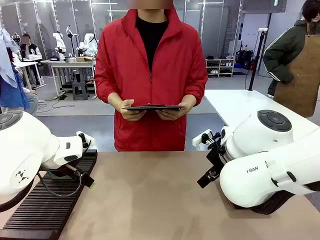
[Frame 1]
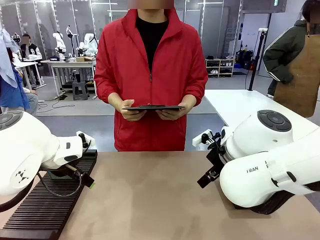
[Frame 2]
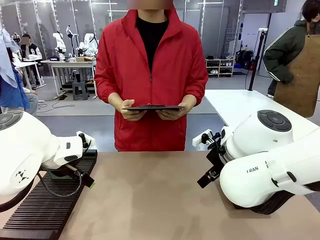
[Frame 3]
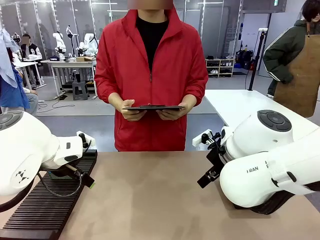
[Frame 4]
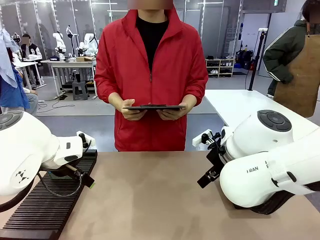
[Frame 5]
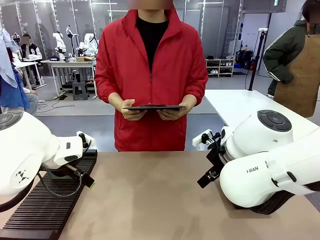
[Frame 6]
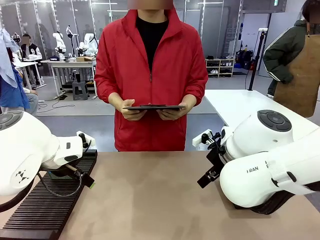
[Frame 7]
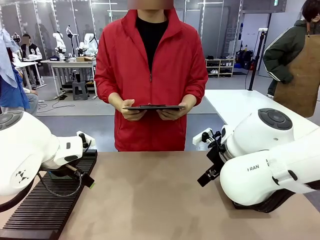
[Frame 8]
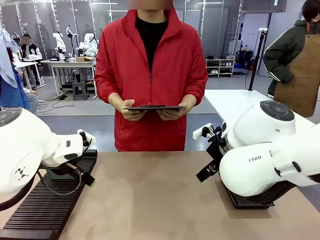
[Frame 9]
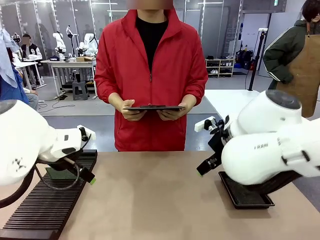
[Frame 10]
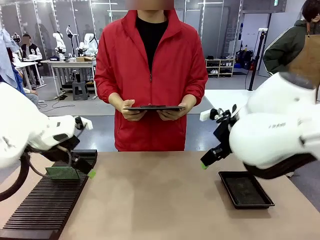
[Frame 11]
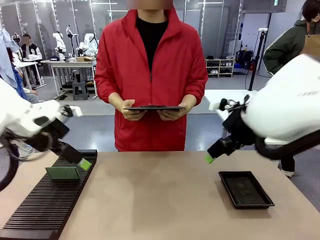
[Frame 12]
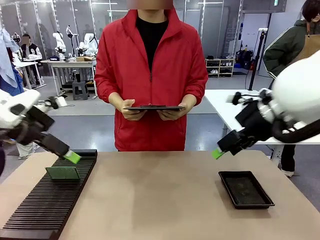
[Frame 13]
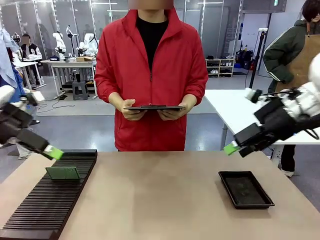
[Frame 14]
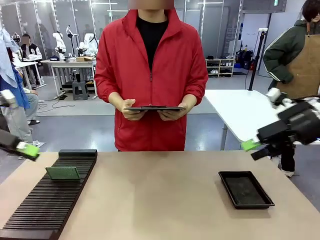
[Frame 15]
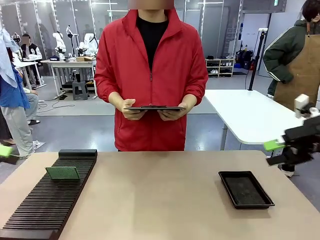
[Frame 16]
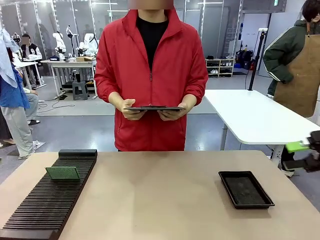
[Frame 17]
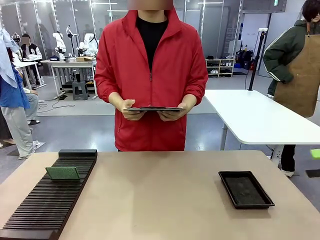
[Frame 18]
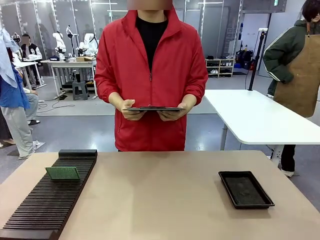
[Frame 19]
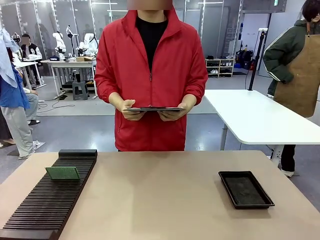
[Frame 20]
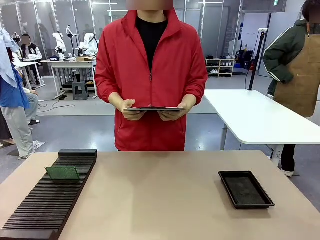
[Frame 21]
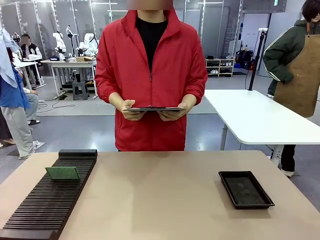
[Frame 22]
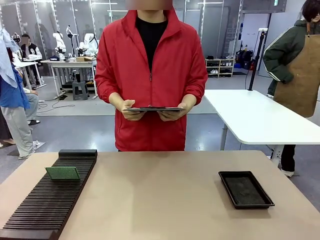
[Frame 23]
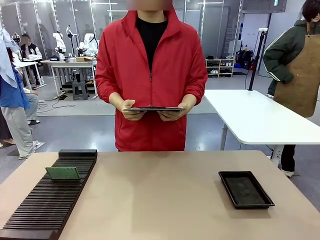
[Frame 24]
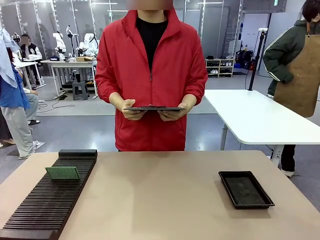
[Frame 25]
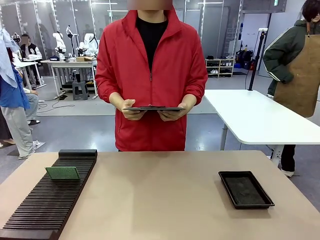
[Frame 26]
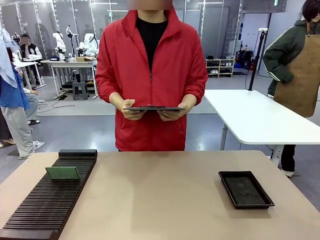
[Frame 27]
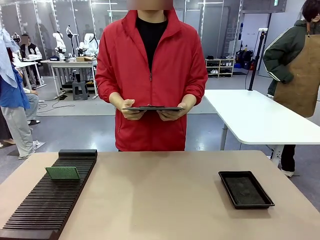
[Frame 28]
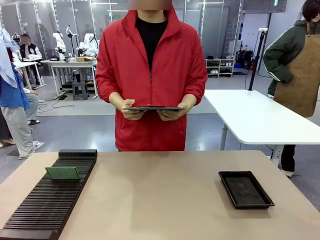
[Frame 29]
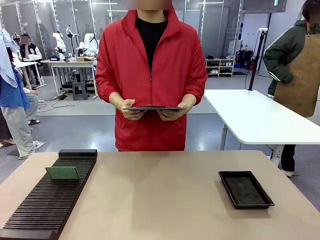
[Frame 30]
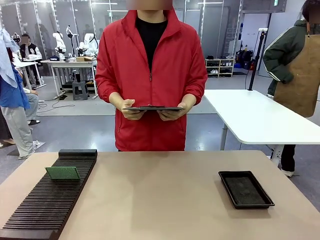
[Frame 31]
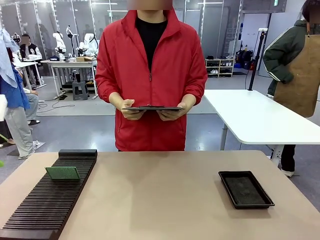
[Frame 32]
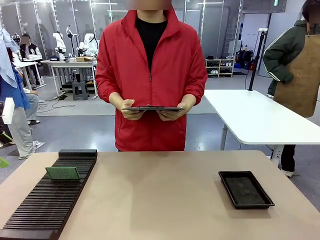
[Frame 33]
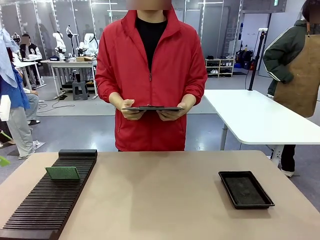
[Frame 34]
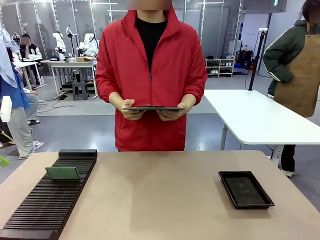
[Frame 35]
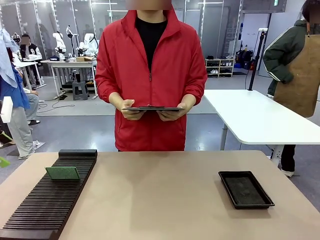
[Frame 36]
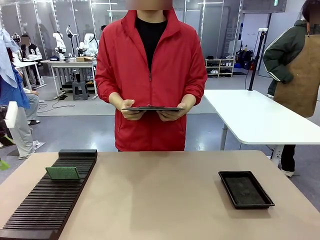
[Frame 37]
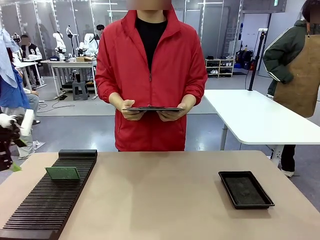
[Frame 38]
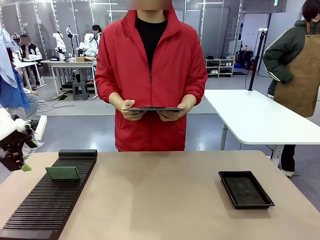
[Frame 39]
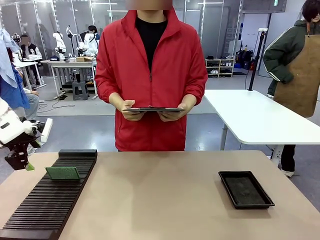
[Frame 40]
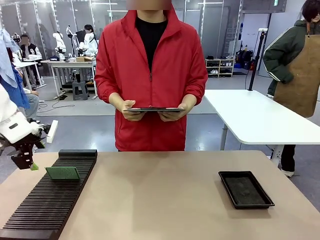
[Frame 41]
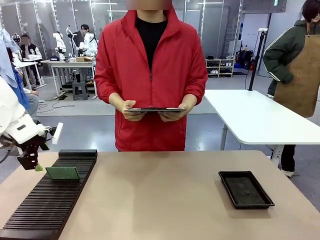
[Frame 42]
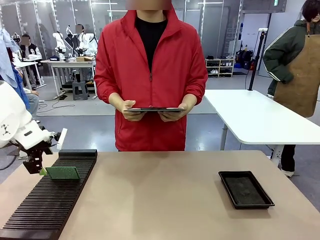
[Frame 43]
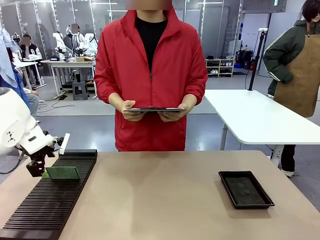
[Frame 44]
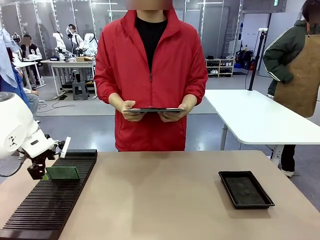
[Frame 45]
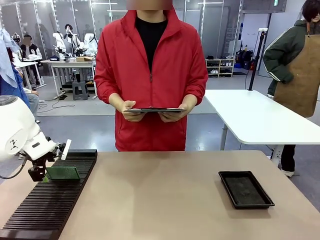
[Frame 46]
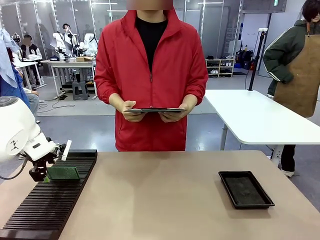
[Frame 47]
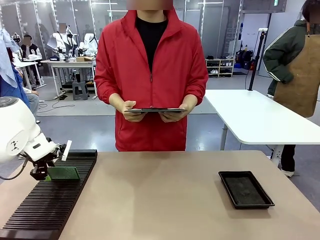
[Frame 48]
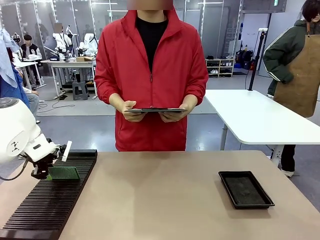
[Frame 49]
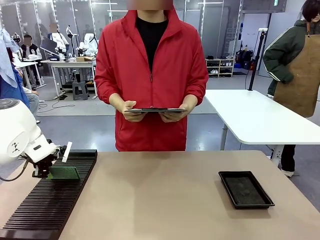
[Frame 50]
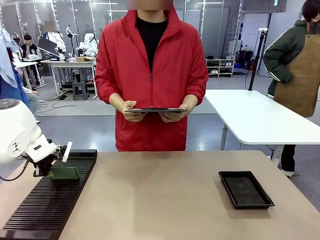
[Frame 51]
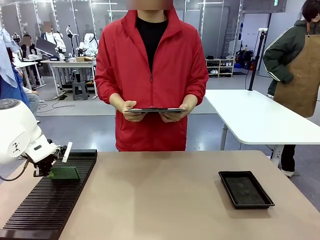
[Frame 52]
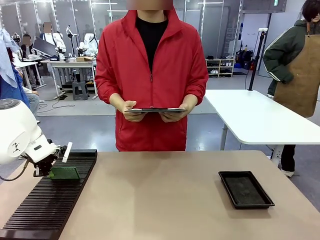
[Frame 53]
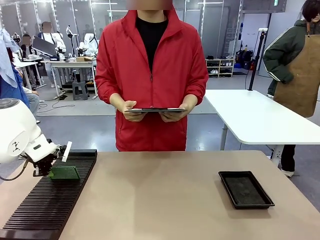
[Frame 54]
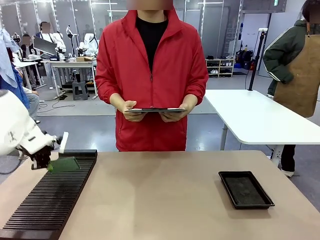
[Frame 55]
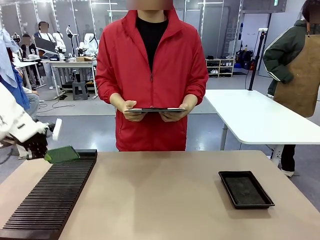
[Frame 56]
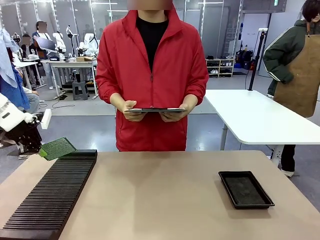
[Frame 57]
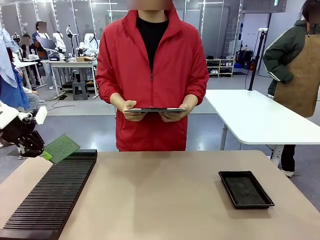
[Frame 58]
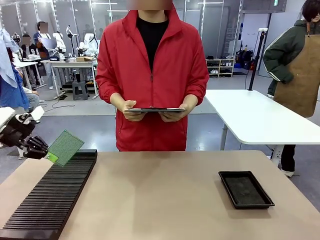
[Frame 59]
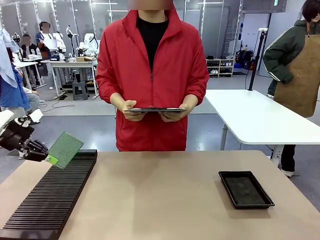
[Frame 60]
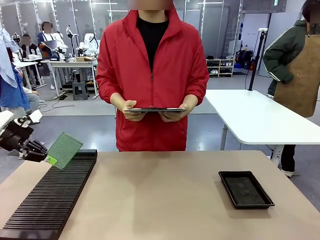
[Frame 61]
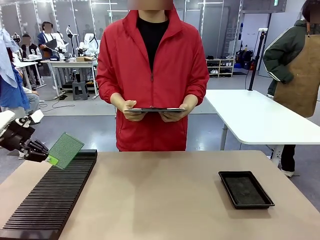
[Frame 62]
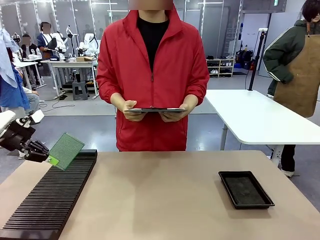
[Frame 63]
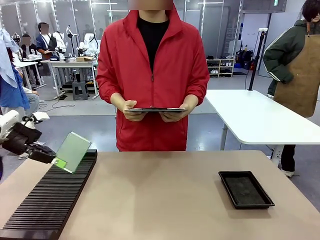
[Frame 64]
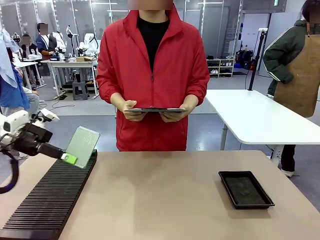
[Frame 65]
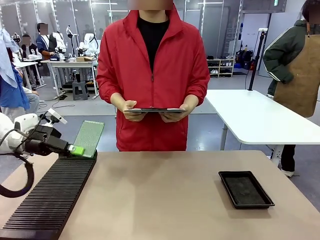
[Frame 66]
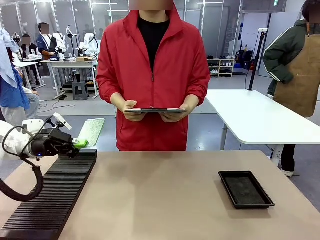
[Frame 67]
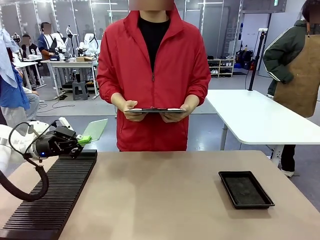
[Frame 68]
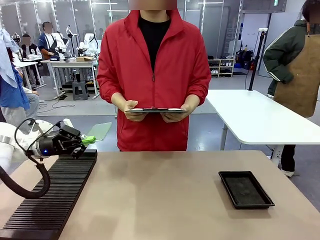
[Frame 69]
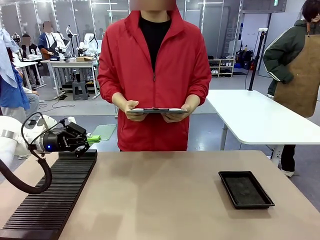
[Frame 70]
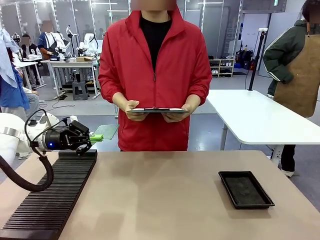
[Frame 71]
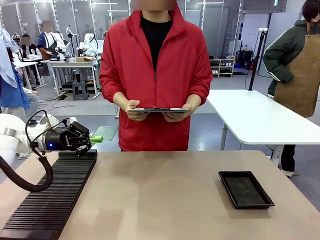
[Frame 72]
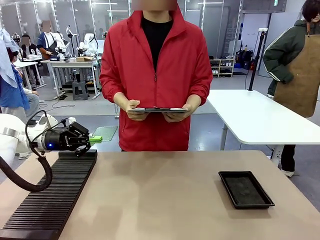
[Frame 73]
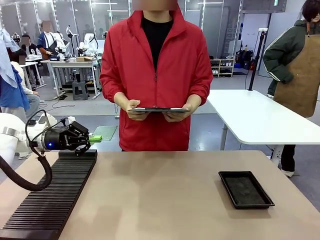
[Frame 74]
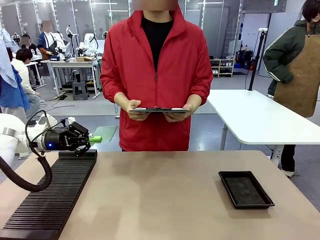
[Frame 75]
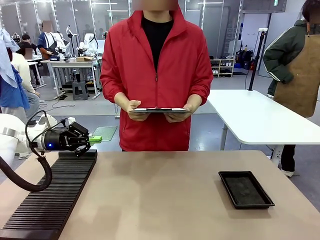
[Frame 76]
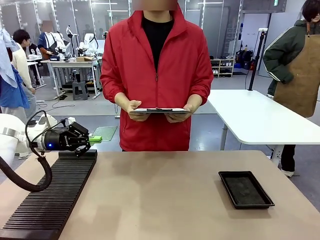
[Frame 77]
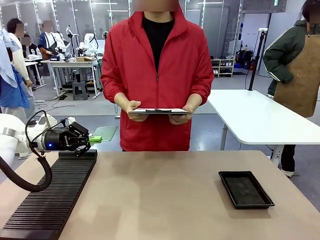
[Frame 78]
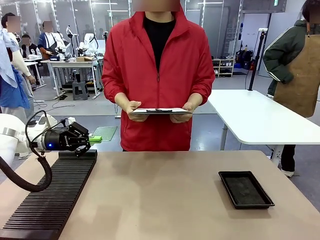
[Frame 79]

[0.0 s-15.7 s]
Task: Inspect the PCB.
Robot: Pick up the Blank PCB and present it to the human.
Person: Pick up the PCB presented by the robot.

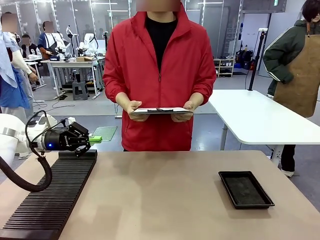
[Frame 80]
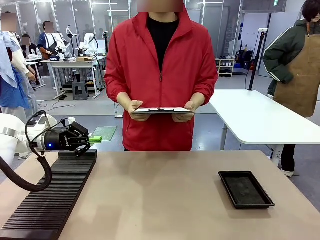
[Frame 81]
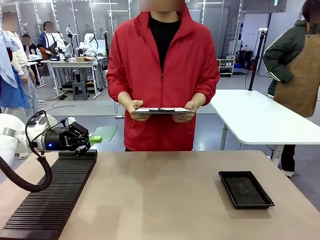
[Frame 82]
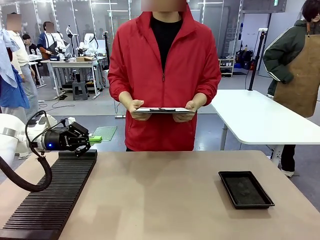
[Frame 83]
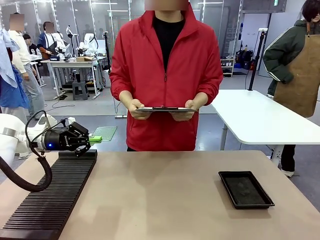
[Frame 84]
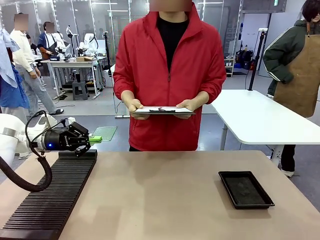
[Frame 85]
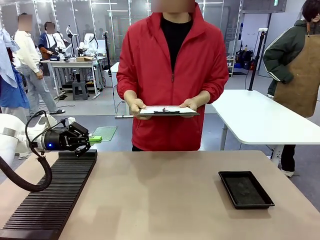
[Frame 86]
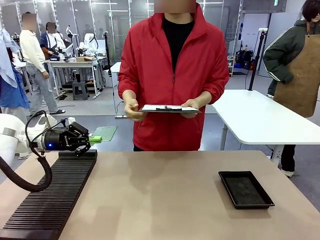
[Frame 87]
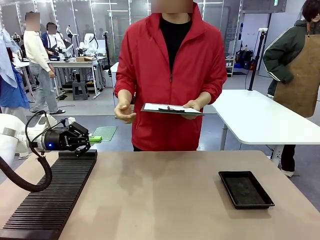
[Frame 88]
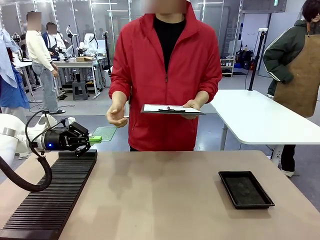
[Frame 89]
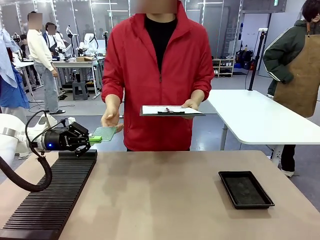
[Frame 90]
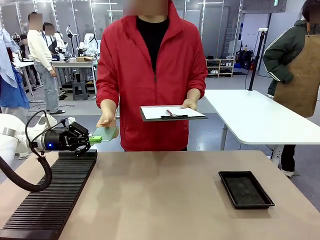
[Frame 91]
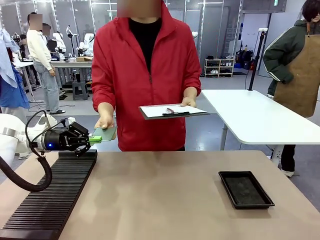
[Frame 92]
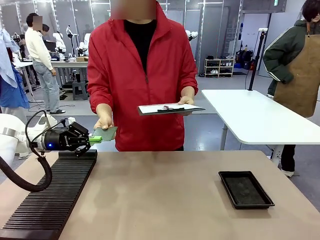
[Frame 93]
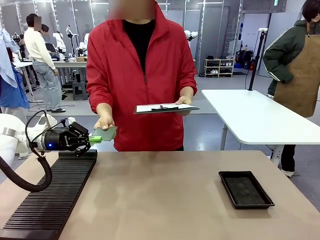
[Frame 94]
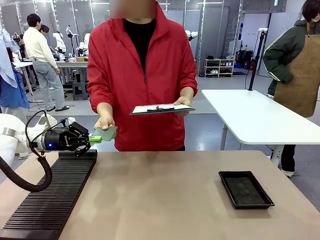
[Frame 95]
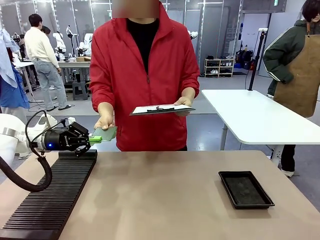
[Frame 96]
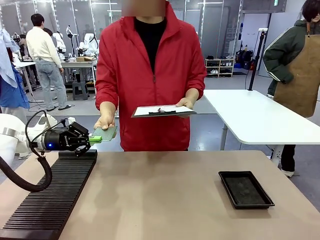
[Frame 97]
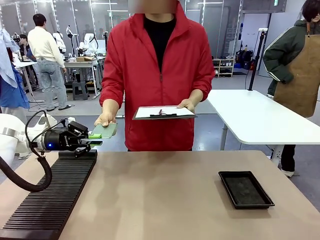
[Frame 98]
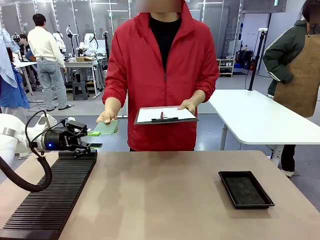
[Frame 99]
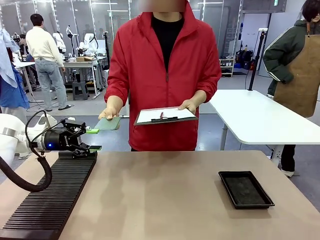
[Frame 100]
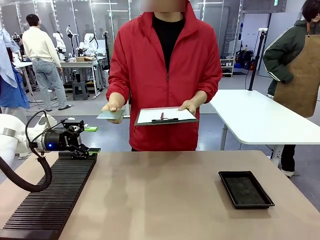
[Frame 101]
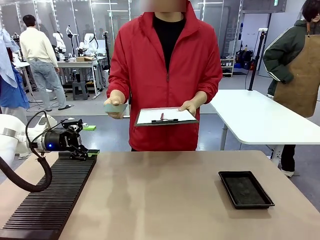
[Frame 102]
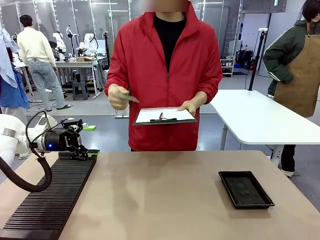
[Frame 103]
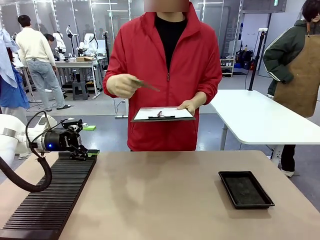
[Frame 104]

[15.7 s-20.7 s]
Robot: Release the Blank PCB you were holding.
